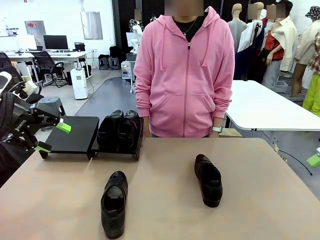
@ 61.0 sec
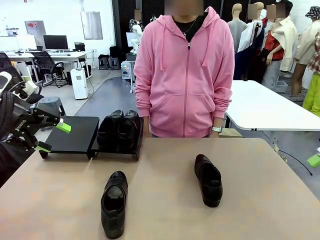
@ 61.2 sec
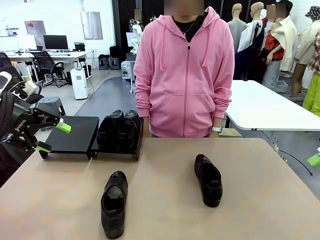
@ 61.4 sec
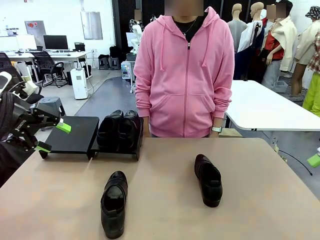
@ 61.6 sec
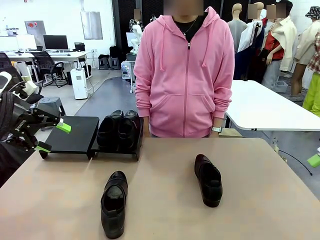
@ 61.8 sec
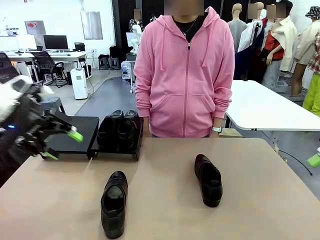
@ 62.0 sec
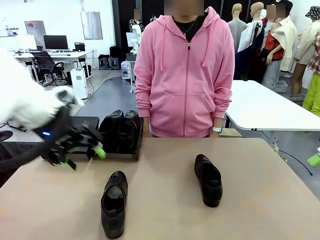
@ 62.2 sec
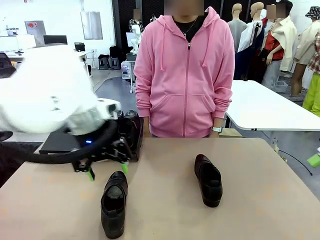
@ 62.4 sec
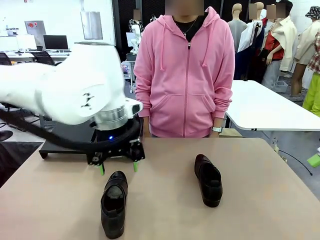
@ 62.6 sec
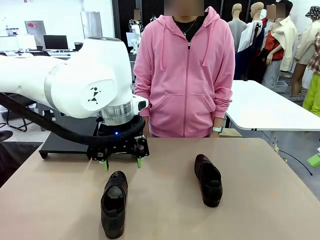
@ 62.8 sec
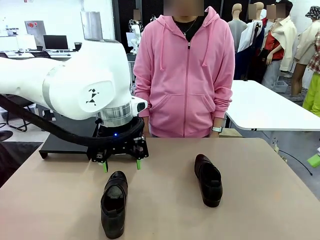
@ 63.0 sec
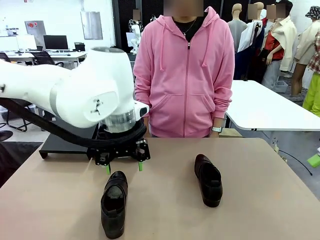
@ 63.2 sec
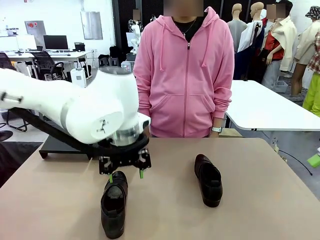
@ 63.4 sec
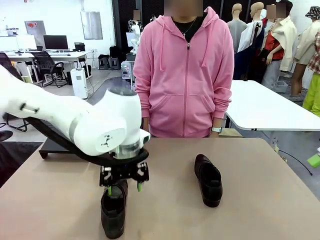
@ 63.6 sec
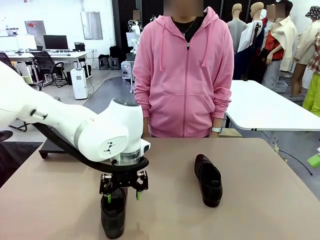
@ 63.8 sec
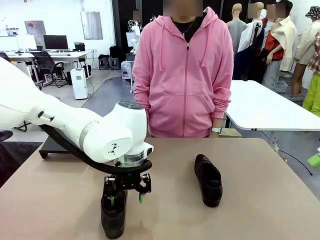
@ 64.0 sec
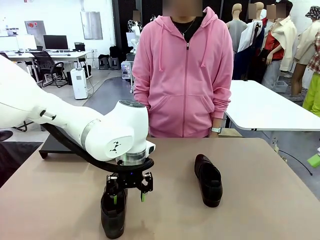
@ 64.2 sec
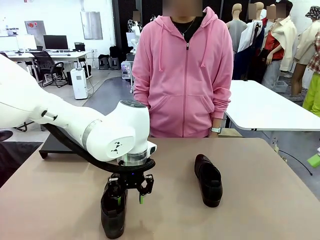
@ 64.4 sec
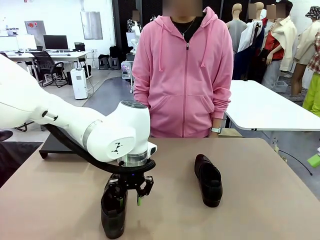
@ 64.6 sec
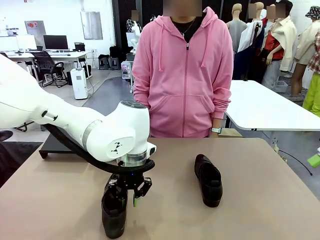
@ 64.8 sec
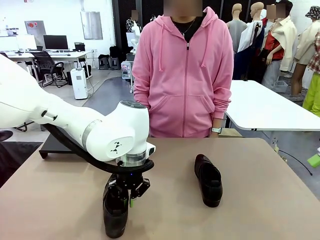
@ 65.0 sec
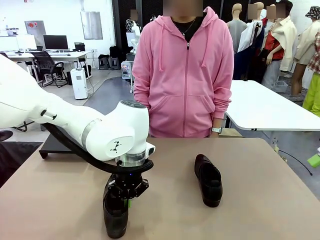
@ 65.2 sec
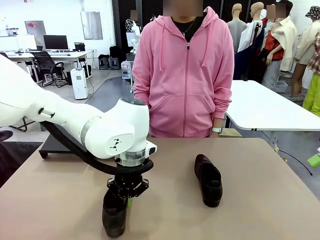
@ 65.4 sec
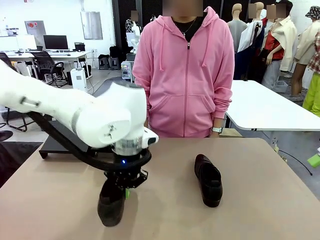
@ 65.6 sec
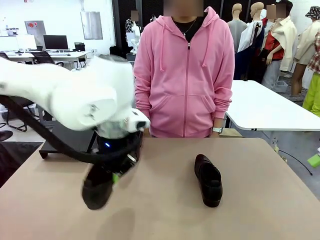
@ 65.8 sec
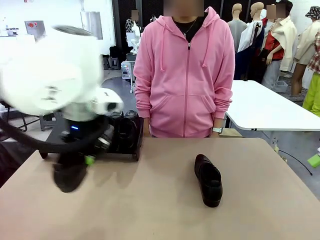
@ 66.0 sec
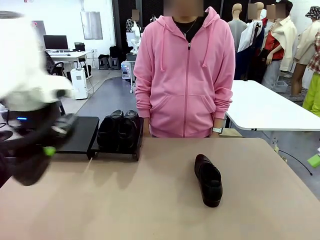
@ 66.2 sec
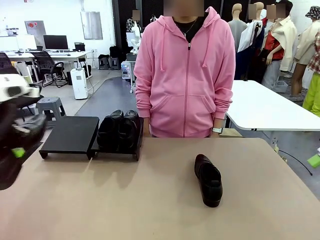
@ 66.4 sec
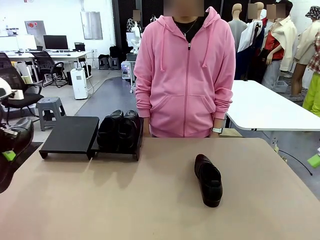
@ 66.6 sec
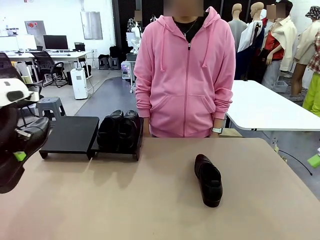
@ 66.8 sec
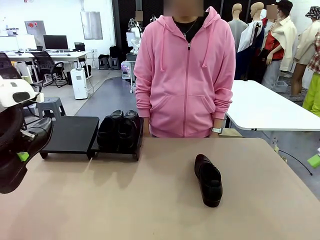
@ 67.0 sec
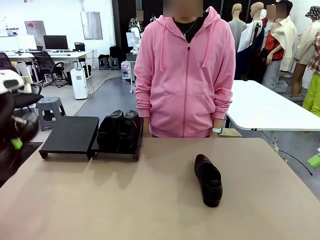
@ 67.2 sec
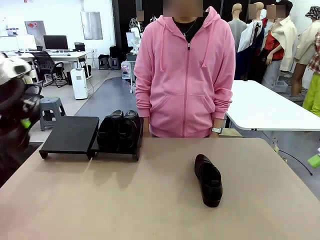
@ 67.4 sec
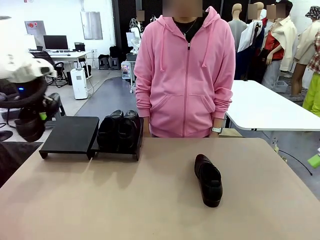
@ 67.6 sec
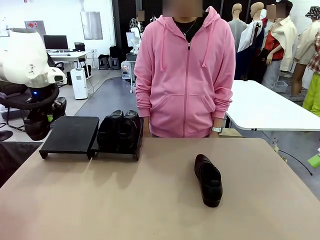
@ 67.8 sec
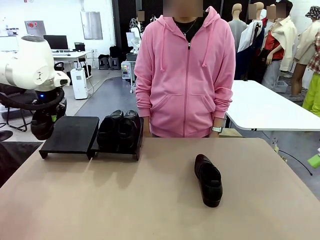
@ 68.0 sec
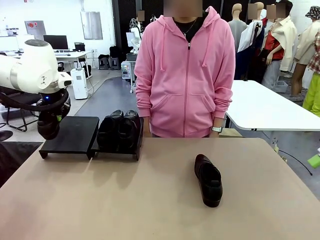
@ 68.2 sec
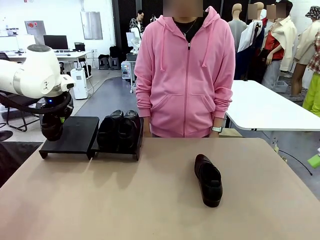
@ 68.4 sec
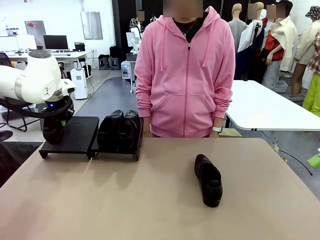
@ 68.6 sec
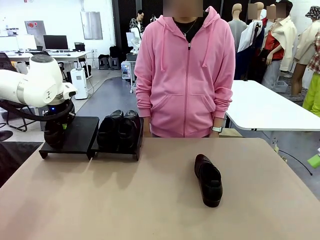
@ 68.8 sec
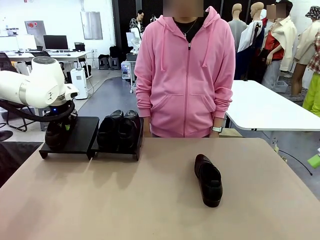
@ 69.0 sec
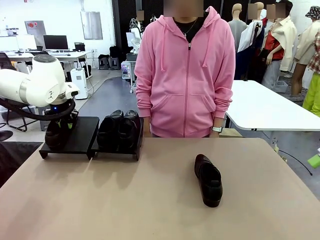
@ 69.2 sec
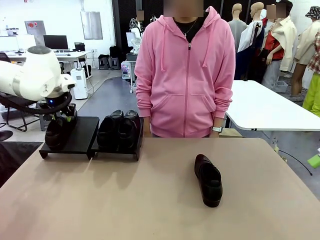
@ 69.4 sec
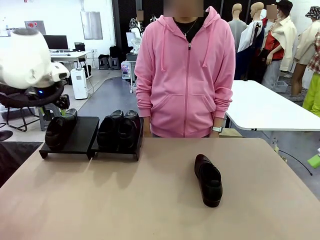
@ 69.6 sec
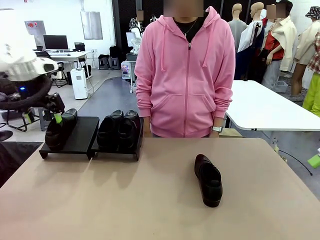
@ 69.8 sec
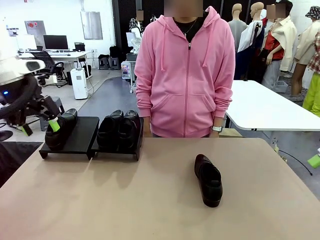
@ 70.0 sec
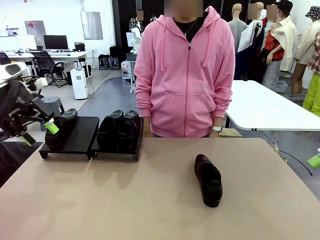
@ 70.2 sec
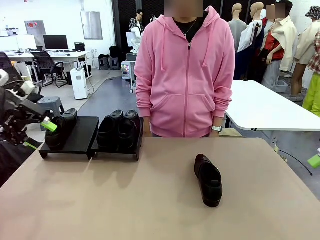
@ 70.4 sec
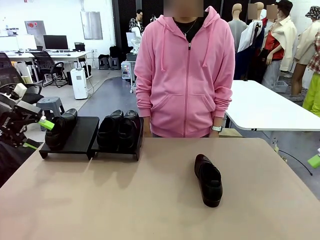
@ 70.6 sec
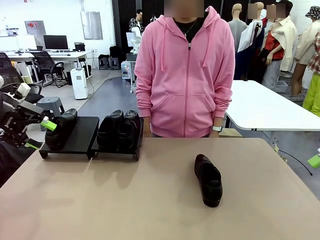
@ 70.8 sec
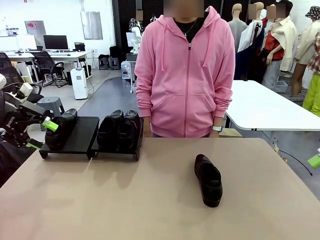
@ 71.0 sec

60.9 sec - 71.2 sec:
Task: Organize the shoes by placing them on the stand.
Robot: Place the Shoe from the middle of the table onto the Shoes Stand.

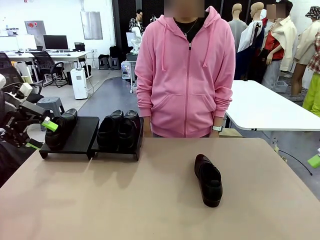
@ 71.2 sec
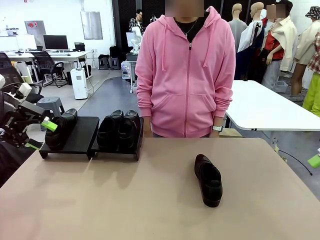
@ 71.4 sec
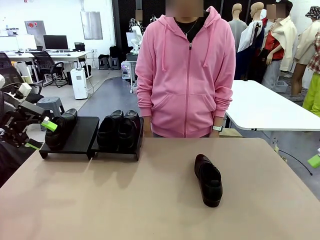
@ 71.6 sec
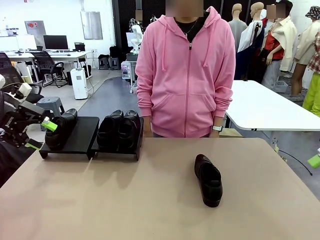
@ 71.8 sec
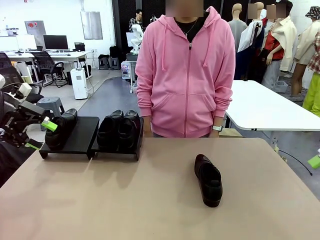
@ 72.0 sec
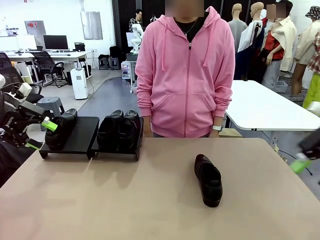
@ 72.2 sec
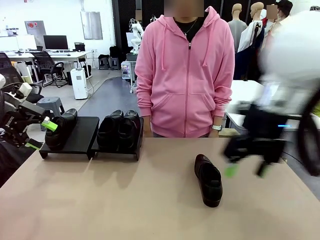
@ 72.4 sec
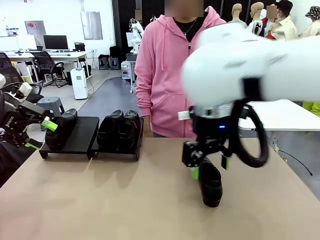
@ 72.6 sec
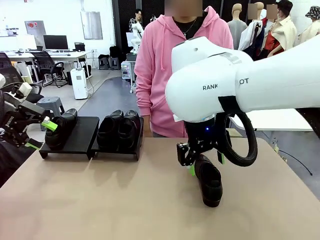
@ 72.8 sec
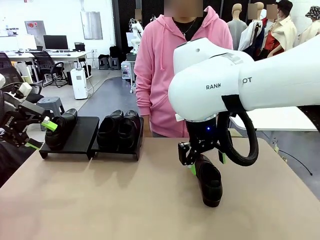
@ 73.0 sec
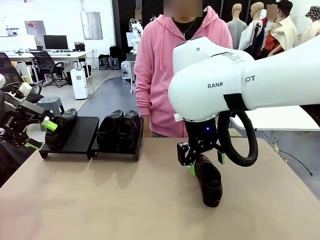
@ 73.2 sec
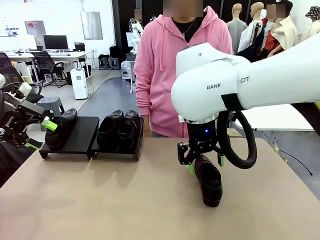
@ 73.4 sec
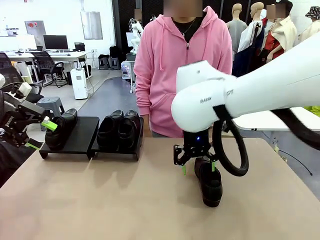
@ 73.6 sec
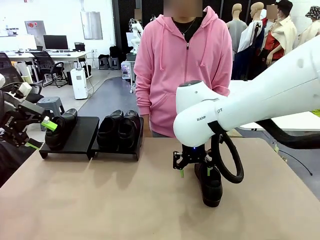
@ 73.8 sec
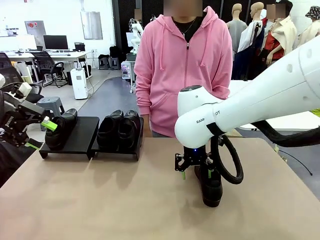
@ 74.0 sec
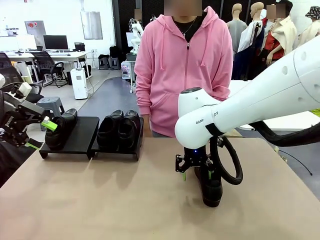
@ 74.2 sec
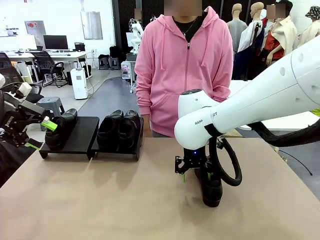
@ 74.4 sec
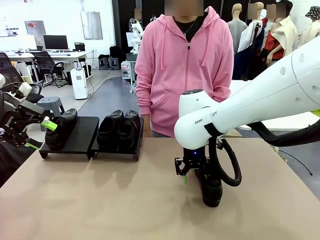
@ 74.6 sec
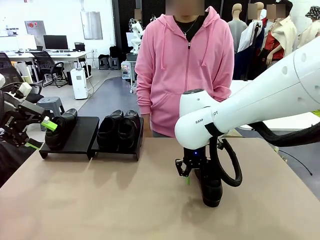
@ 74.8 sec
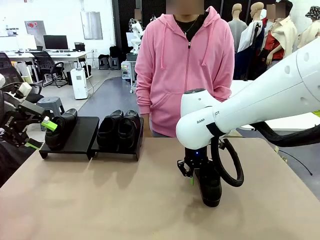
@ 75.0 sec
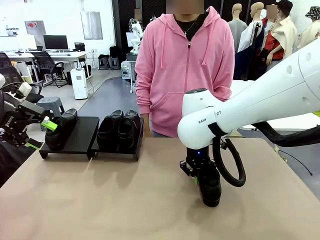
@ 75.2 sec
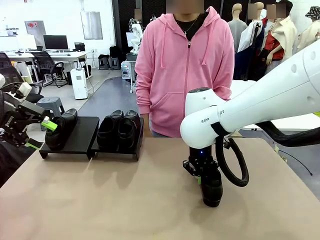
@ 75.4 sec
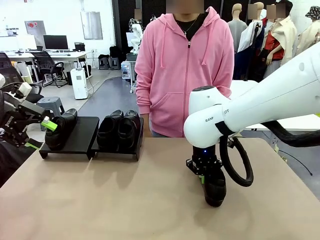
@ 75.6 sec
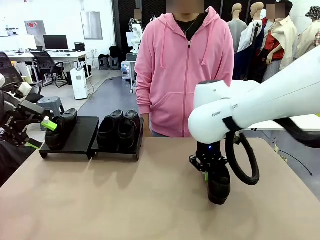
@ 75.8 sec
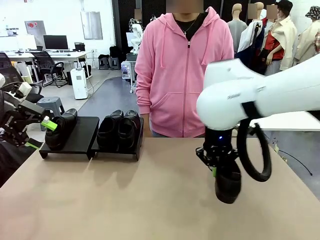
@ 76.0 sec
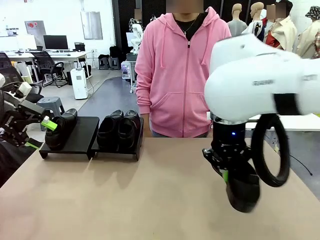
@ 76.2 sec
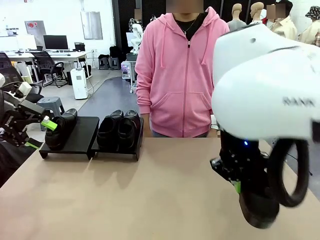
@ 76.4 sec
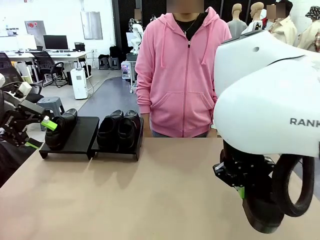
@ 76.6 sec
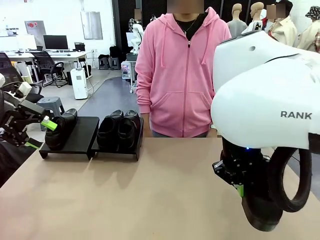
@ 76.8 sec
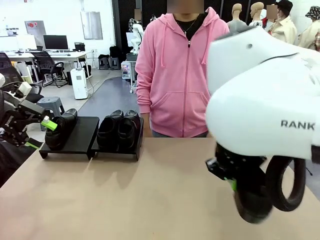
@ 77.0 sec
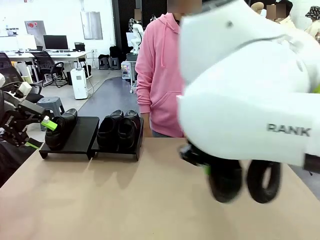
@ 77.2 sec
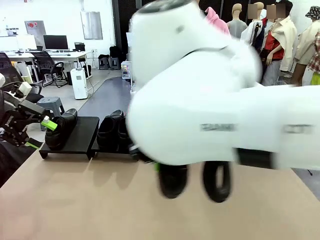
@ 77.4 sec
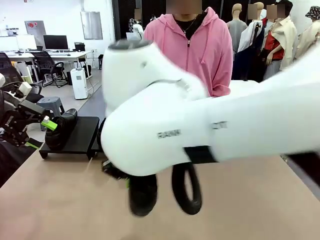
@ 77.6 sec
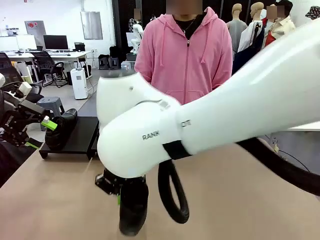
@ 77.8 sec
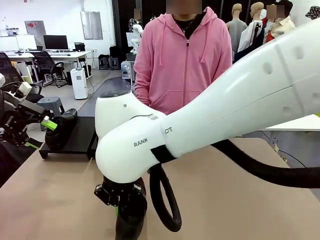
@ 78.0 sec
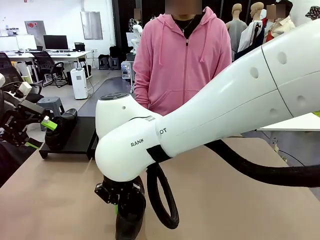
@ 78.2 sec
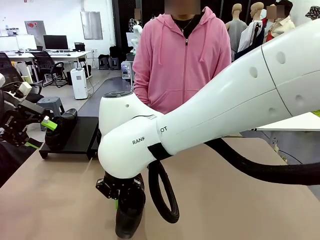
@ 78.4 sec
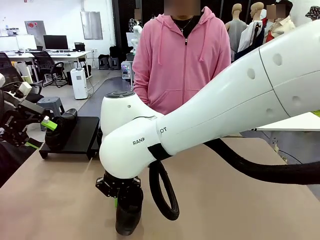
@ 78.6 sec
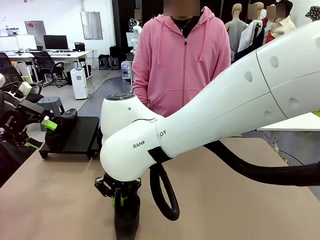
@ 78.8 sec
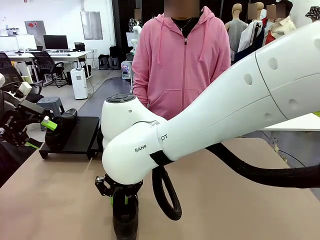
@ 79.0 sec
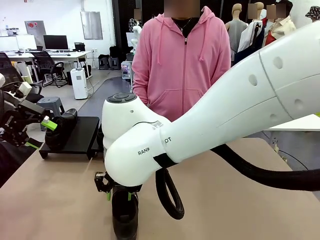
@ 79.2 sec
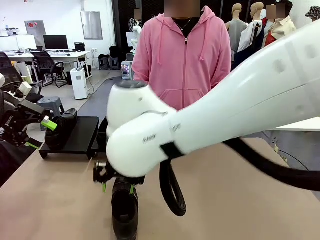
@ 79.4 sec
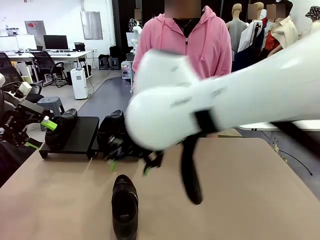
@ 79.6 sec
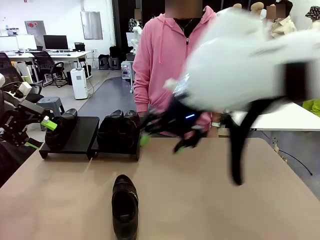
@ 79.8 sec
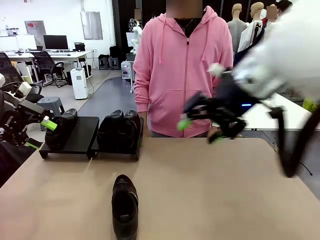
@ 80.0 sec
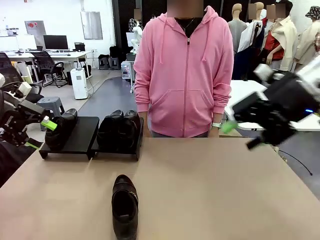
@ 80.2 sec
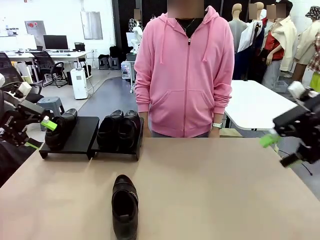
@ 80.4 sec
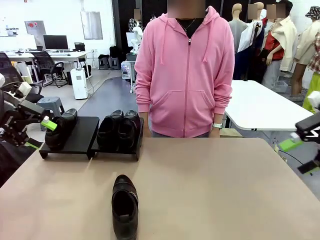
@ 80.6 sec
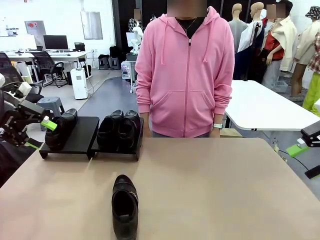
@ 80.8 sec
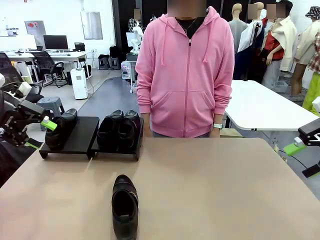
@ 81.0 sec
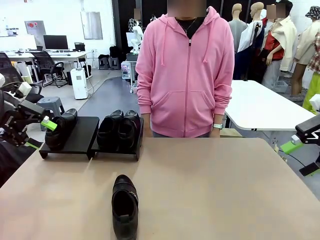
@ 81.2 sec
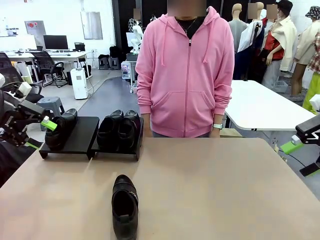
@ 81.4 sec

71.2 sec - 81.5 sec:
Robot: Pick up one Shoe and place it in the middle of the table.
